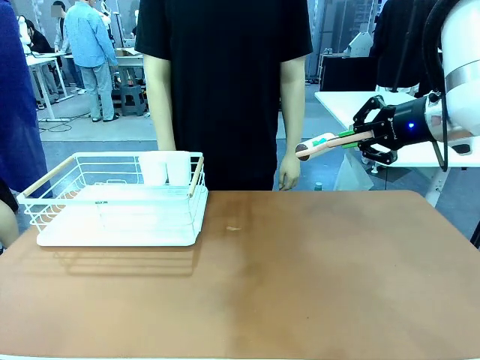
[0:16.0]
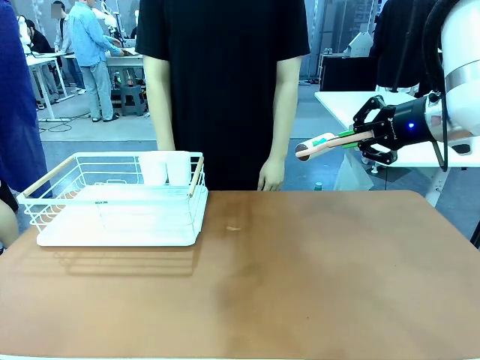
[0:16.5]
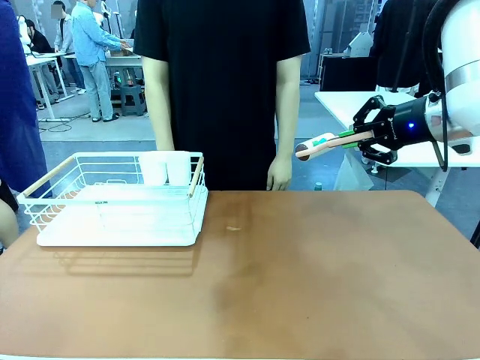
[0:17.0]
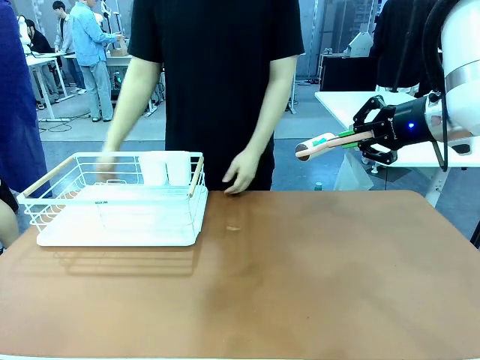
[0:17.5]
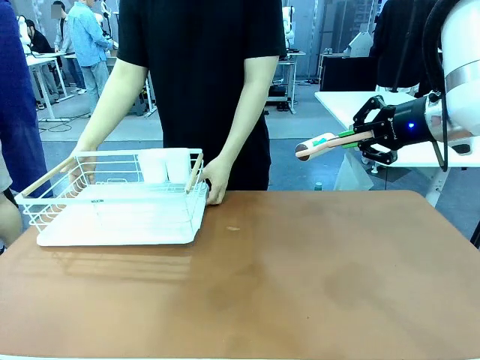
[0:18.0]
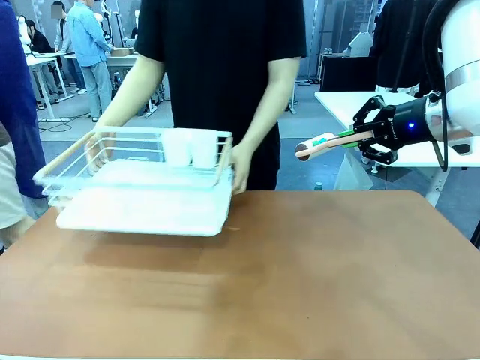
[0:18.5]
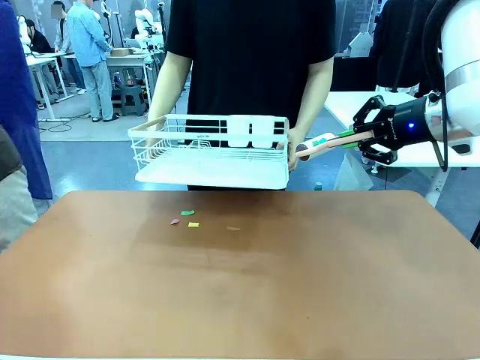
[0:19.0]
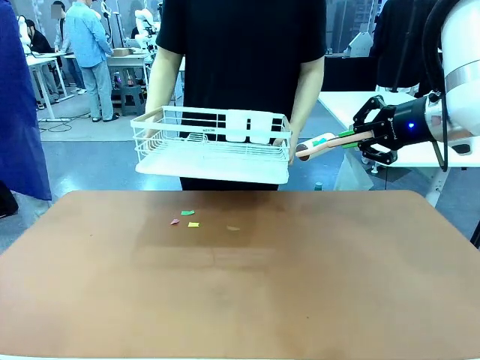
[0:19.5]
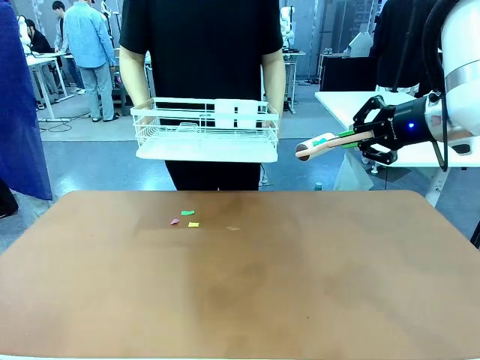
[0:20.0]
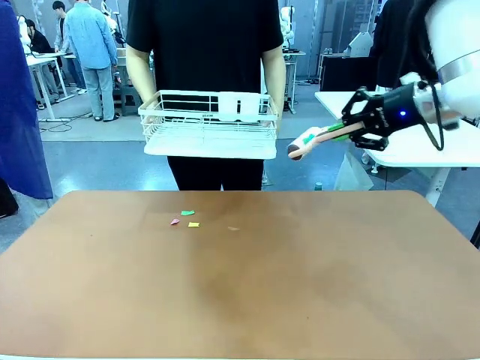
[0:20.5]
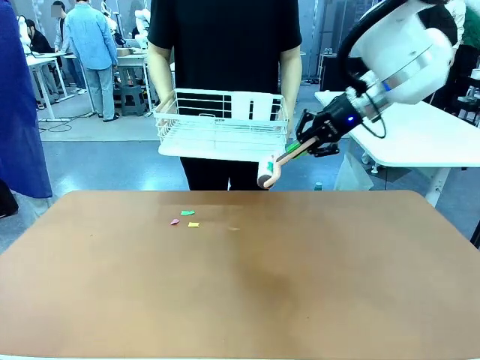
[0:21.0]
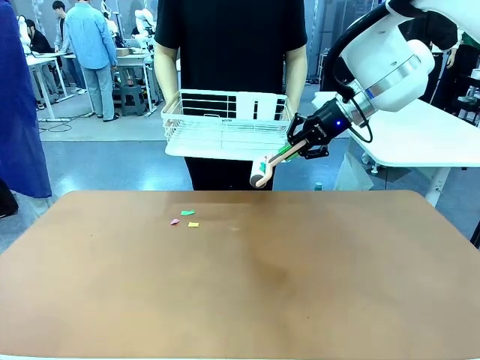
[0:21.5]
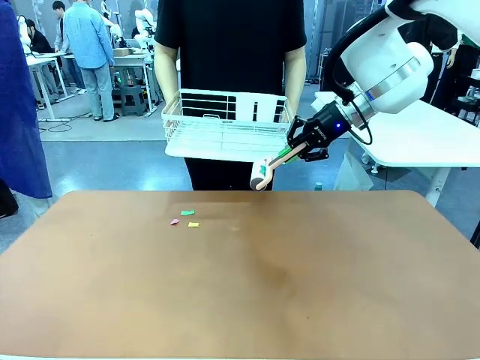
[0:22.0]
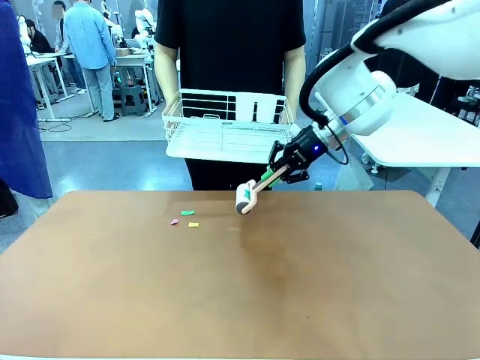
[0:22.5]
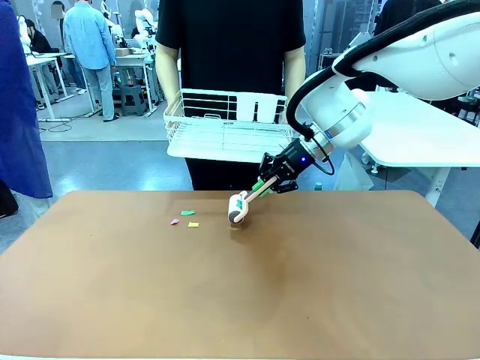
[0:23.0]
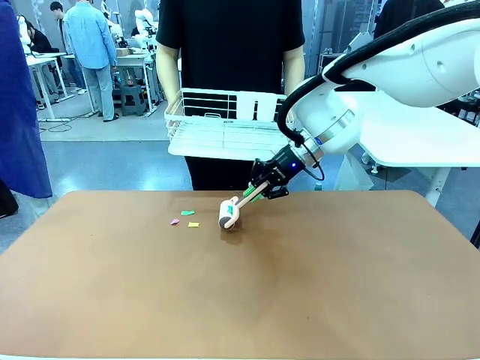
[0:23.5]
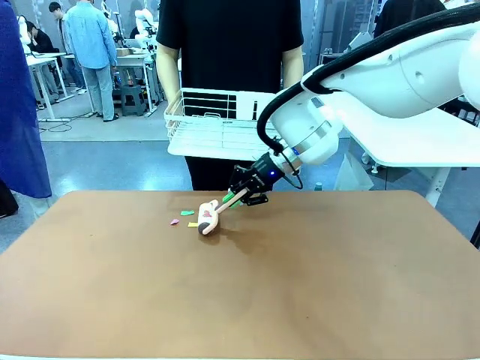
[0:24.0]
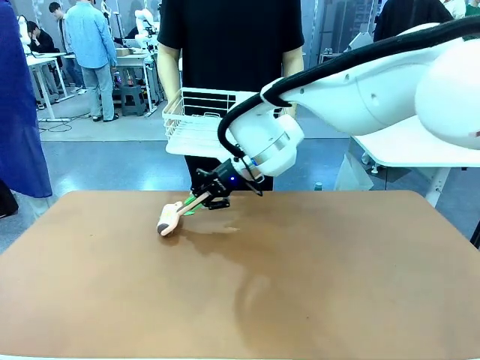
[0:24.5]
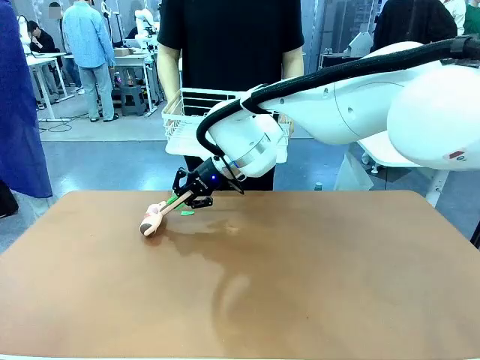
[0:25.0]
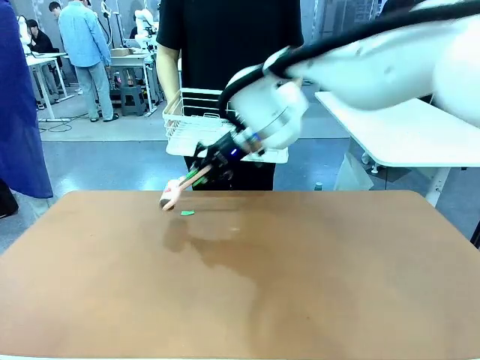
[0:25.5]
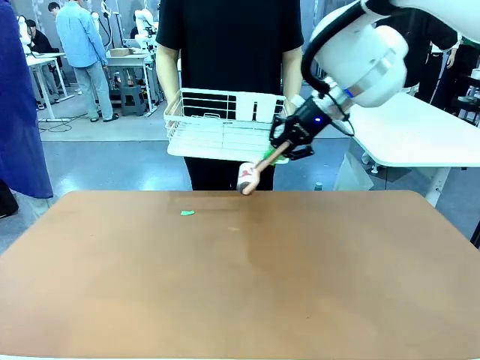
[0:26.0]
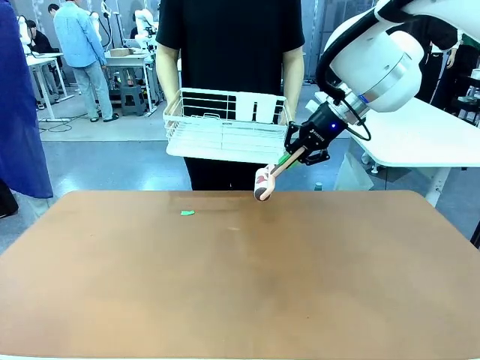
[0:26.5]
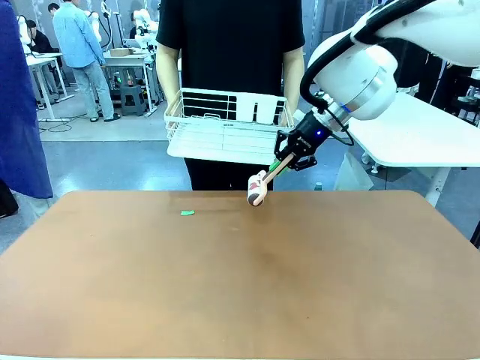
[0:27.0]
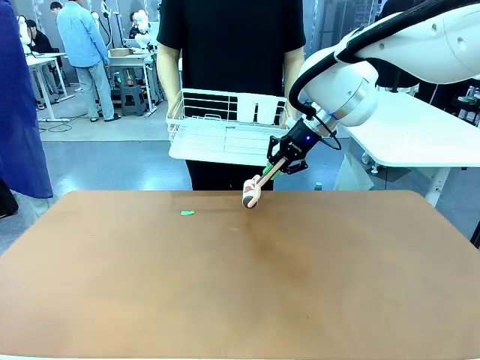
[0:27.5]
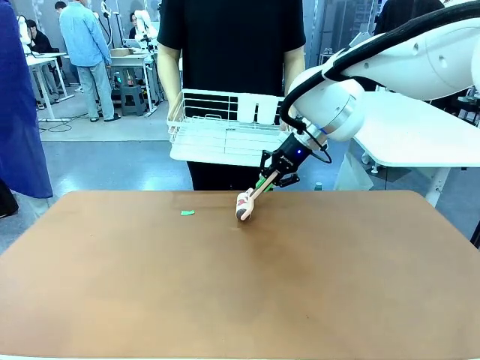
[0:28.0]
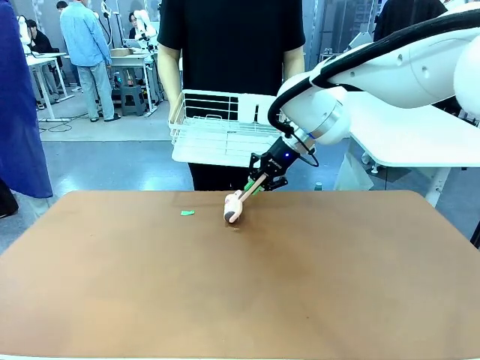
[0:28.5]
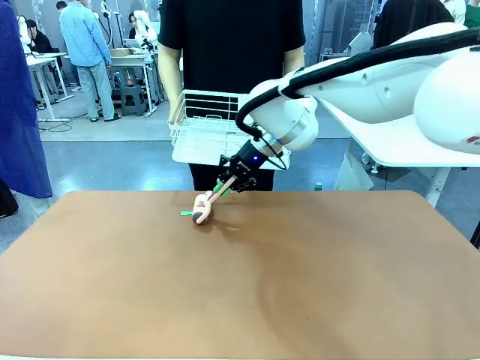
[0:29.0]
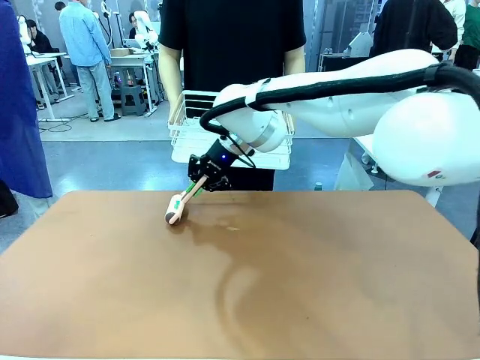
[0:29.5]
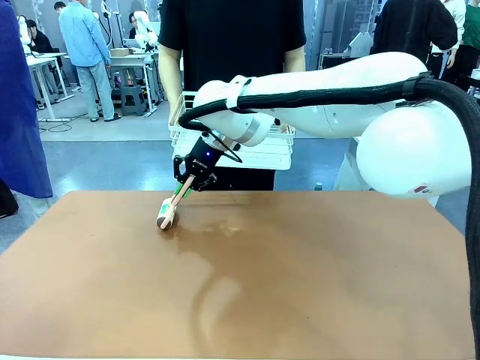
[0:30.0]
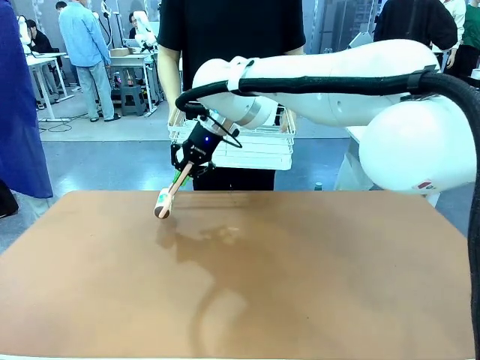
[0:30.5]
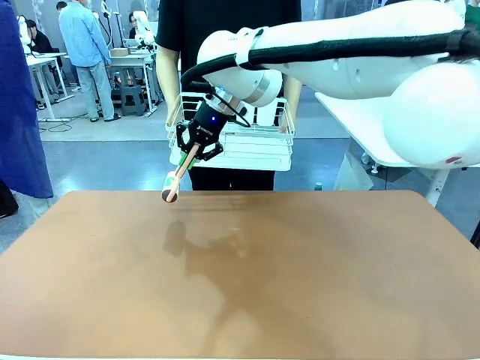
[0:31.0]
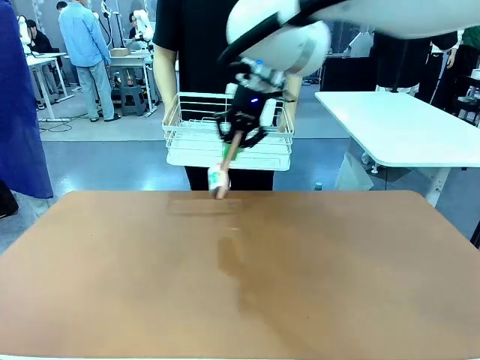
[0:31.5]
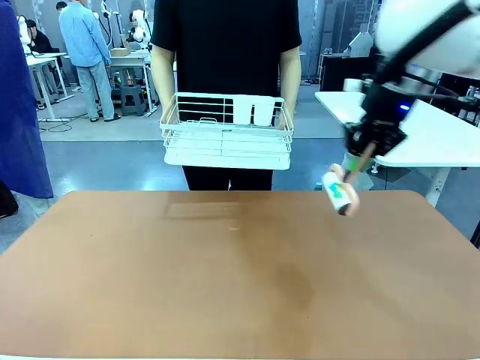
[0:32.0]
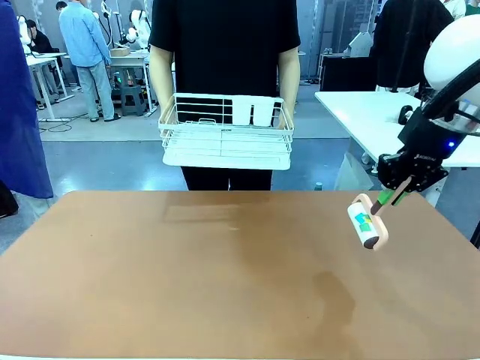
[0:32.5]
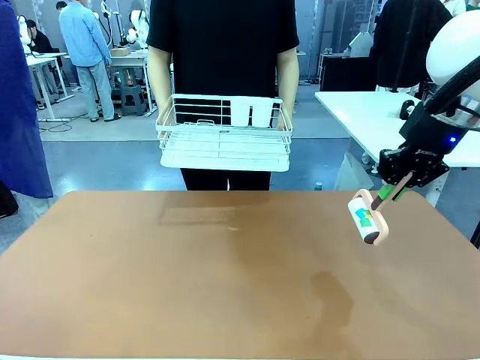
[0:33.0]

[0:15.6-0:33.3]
Task: Clean the table.
Robot: Clean the table with the Lint Roller when the human lifts the Dish drying rack.
Person: Place the Dish drying rack down when the robot finishes cleaning.

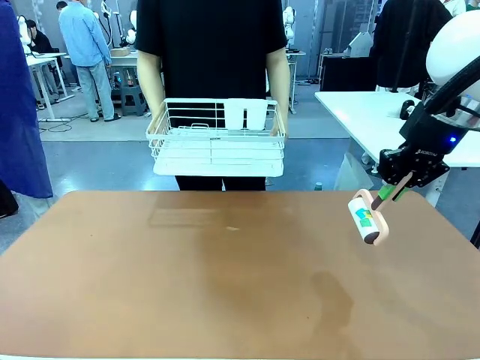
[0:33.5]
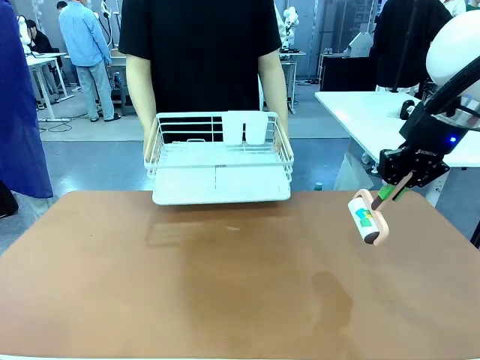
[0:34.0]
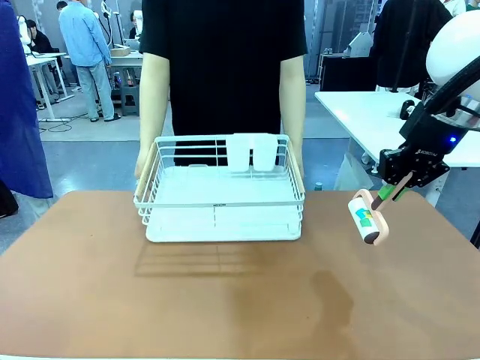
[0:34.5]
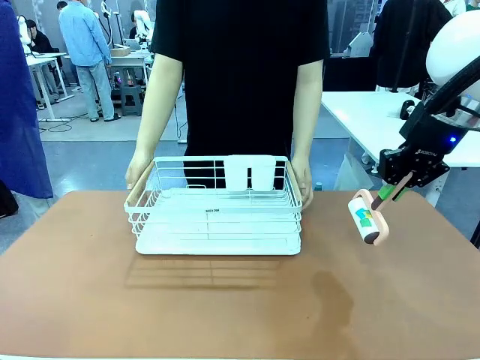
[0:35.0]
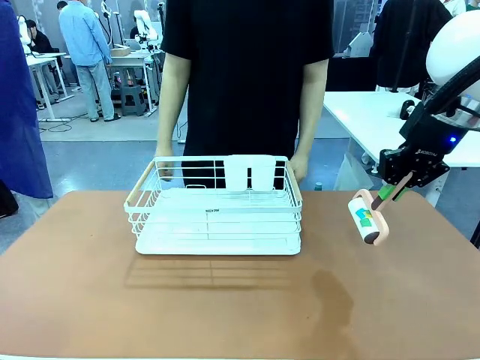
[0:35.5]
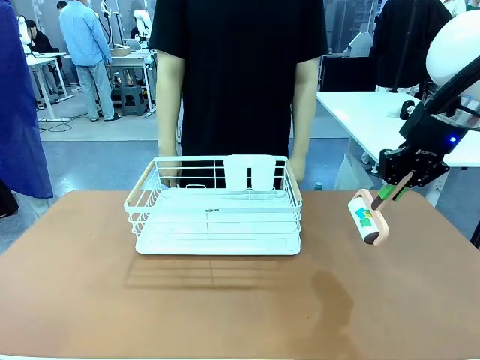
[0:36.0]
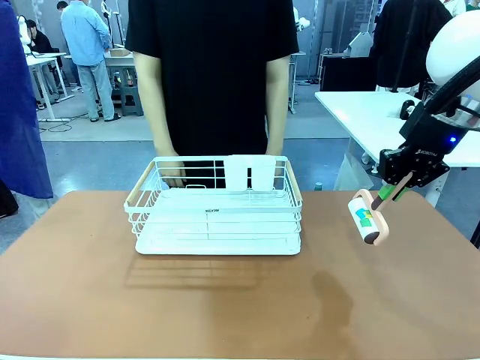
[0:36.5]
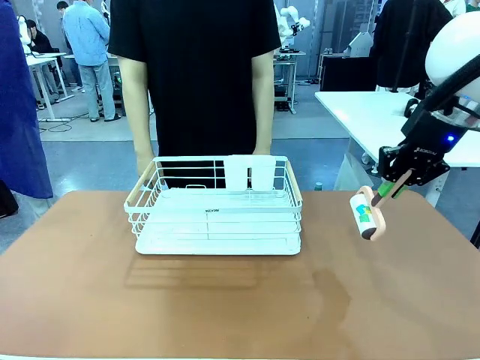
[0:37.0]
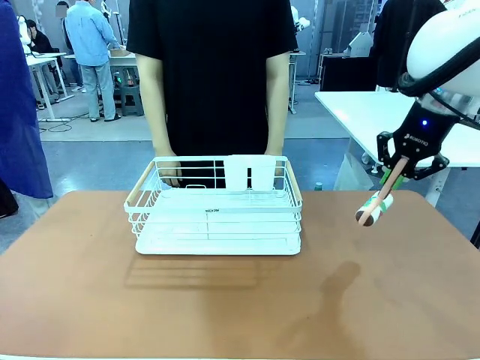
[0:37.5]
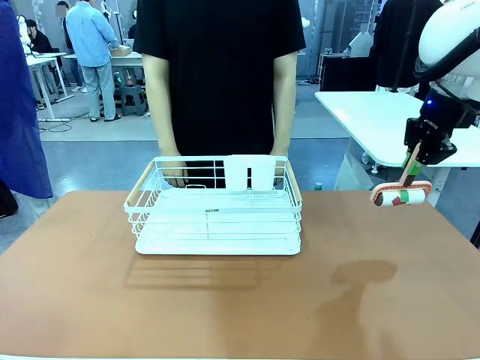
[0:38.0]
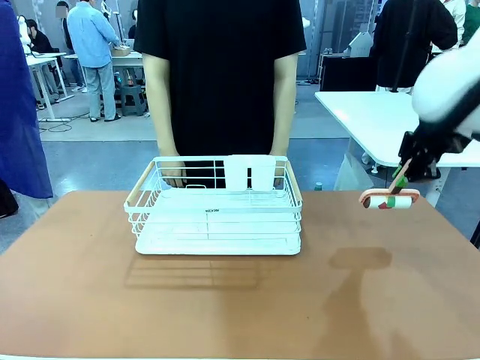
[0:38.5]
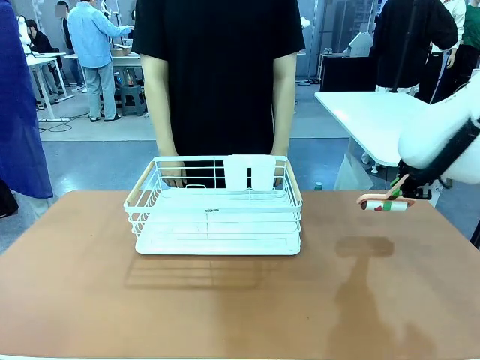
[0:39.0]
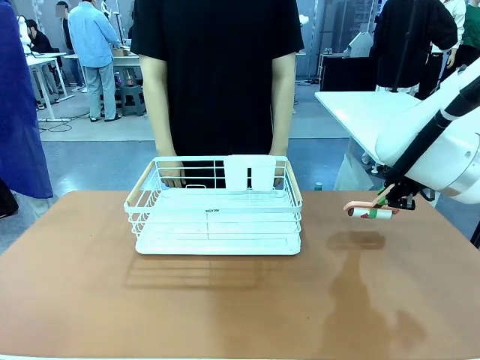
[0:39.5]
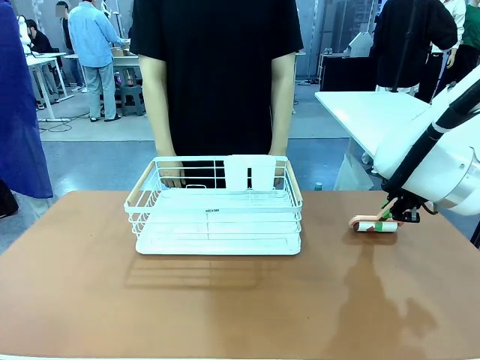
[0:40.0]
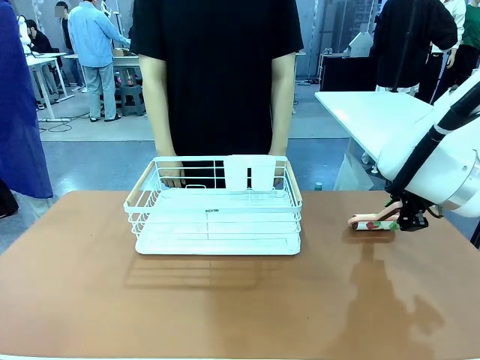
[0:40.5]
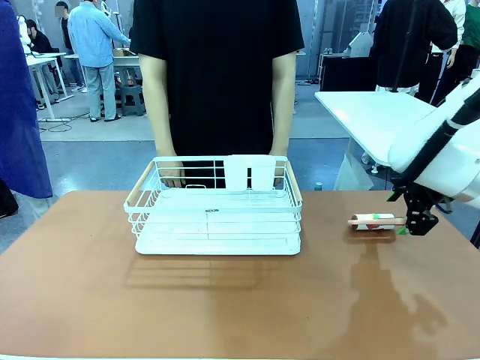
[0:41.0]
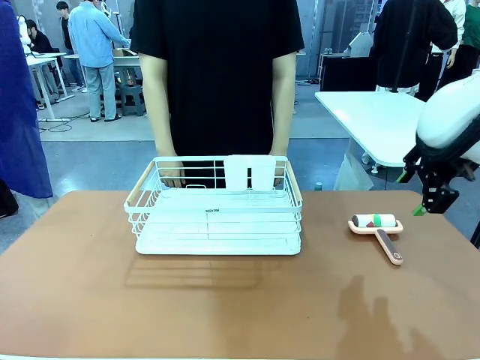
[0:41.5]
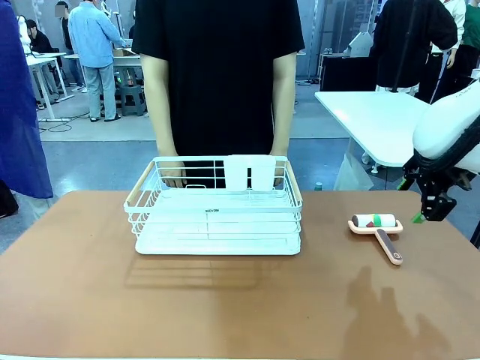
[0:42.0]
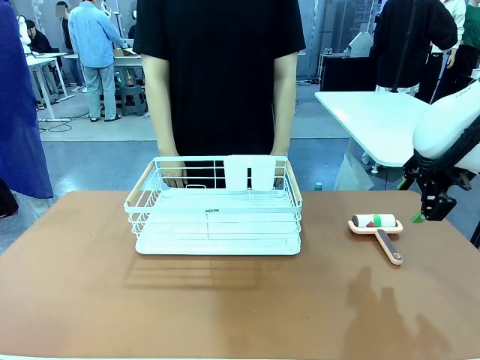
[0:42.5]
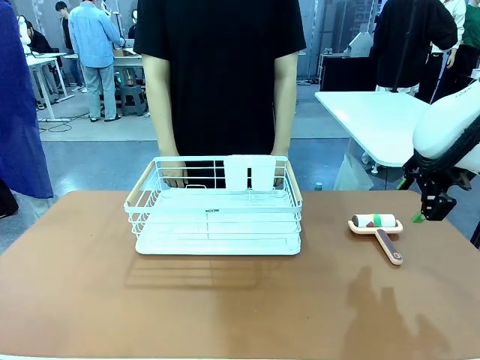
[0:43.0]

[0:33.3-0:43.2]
Robot: Place the Lint Roller down when the Dish drying rack is positioned in the middle of the table.
